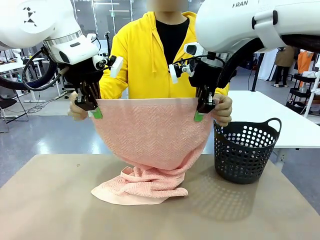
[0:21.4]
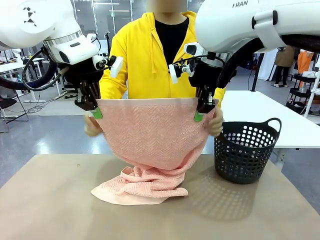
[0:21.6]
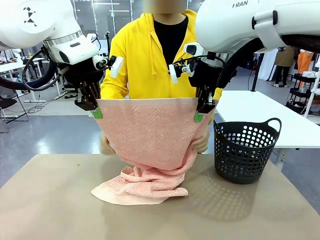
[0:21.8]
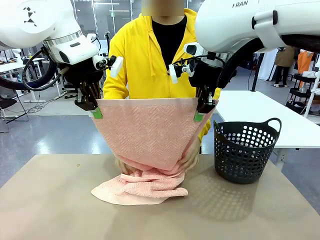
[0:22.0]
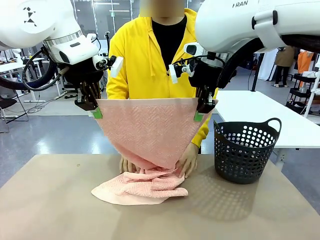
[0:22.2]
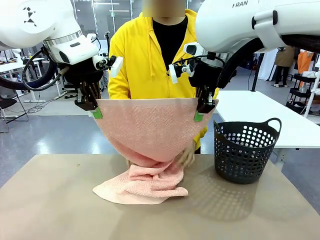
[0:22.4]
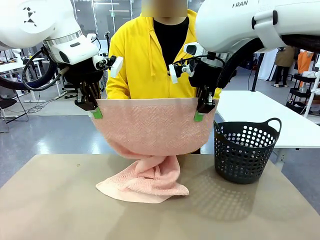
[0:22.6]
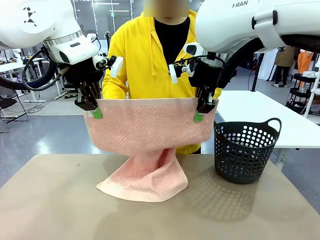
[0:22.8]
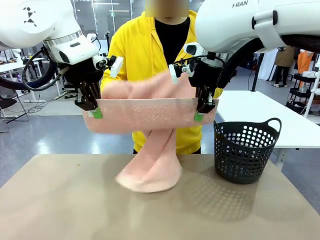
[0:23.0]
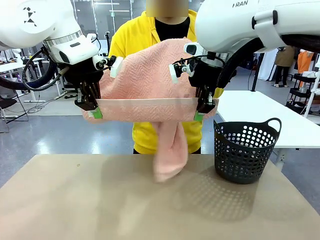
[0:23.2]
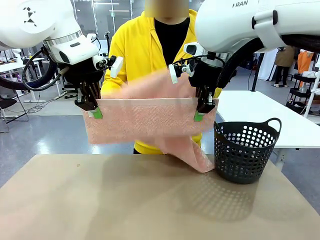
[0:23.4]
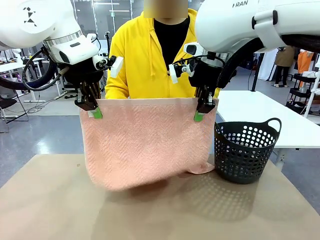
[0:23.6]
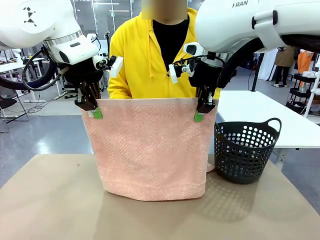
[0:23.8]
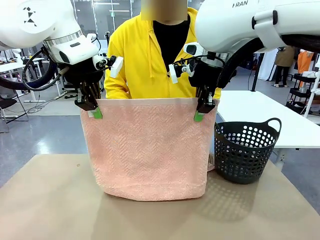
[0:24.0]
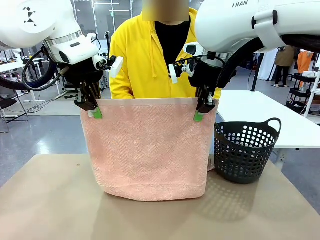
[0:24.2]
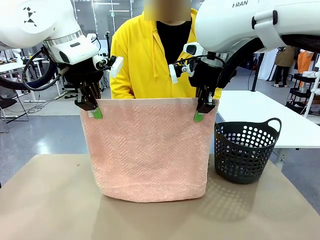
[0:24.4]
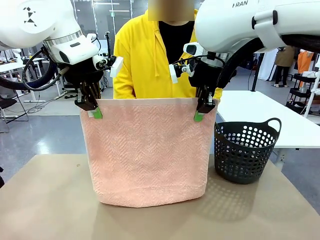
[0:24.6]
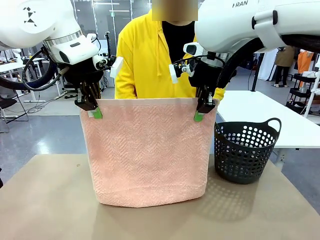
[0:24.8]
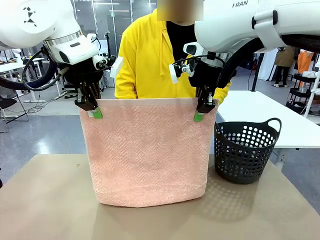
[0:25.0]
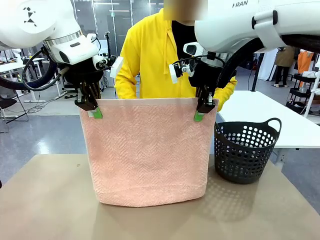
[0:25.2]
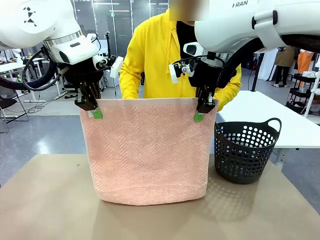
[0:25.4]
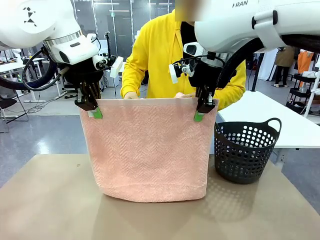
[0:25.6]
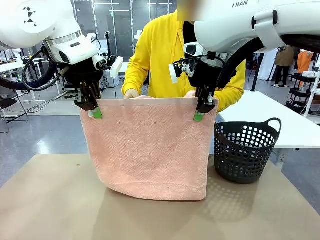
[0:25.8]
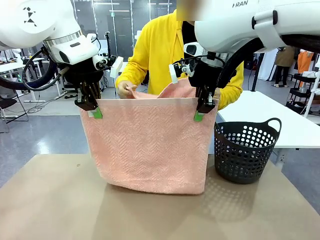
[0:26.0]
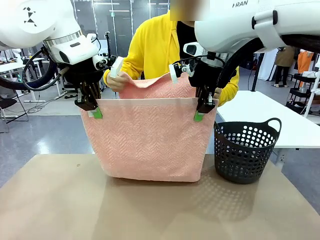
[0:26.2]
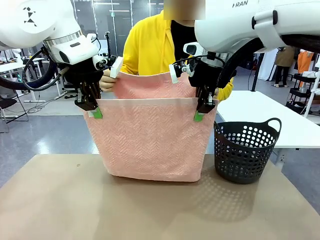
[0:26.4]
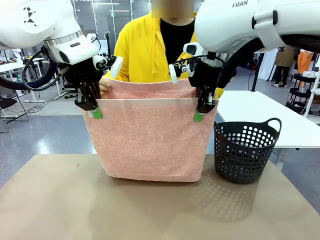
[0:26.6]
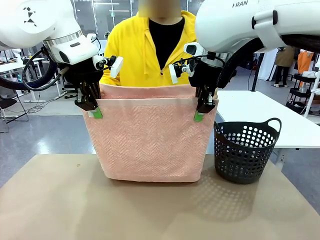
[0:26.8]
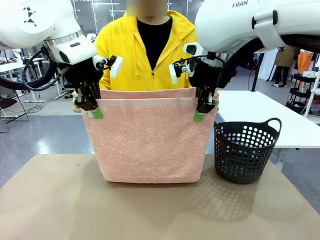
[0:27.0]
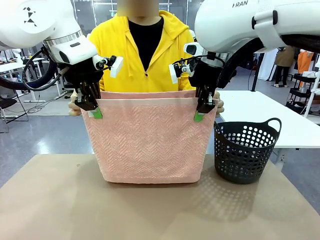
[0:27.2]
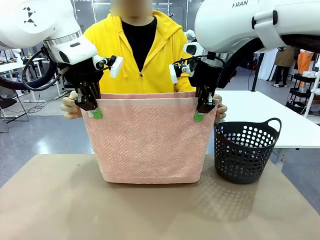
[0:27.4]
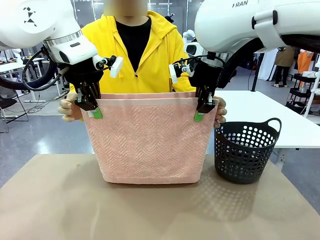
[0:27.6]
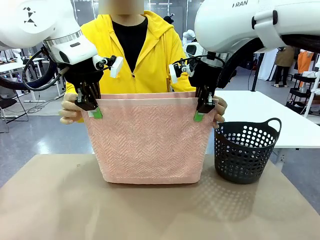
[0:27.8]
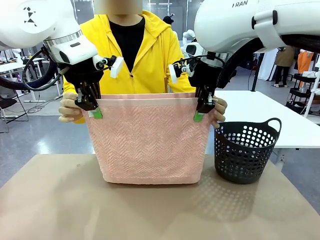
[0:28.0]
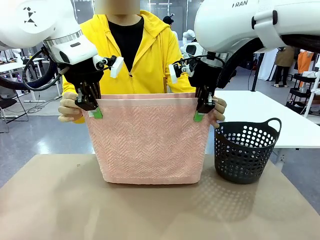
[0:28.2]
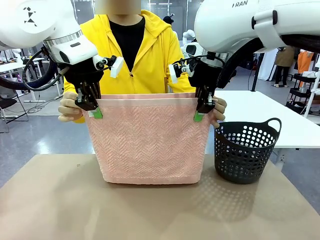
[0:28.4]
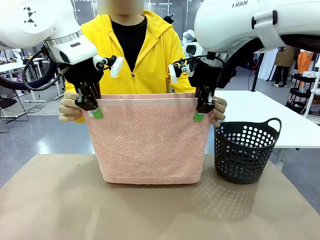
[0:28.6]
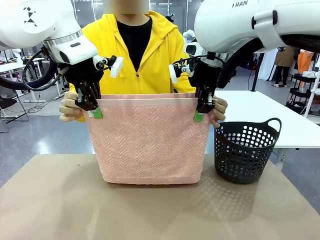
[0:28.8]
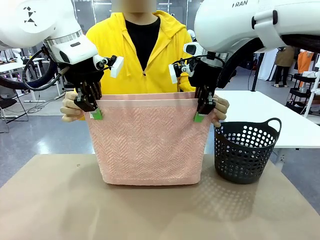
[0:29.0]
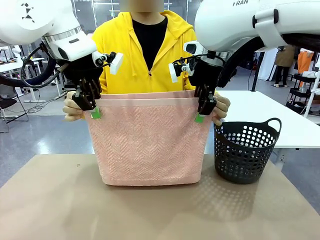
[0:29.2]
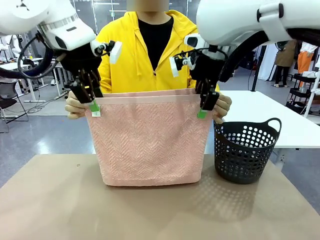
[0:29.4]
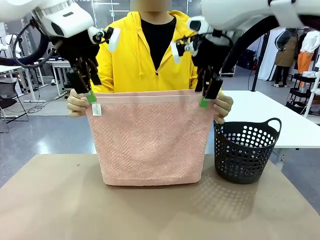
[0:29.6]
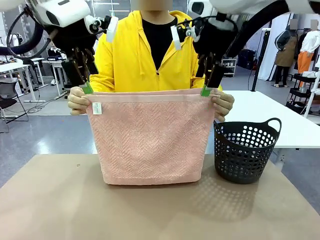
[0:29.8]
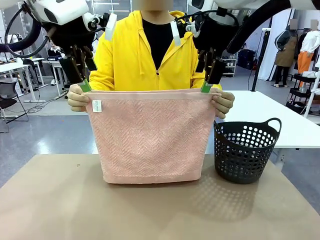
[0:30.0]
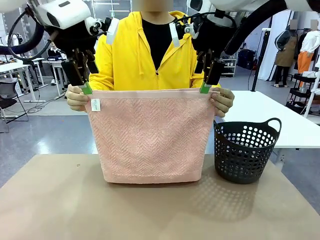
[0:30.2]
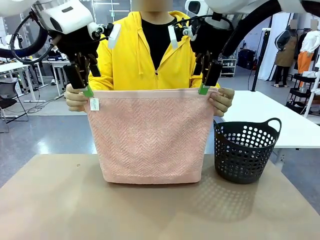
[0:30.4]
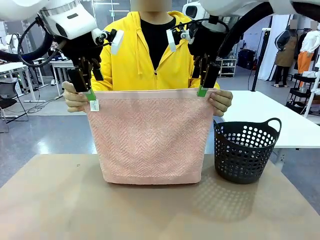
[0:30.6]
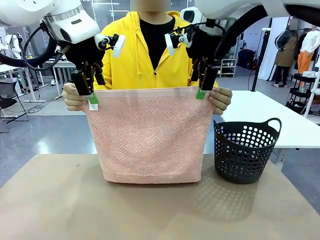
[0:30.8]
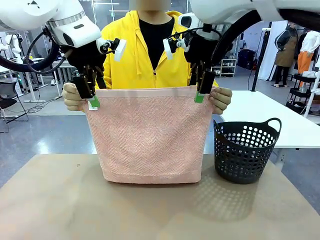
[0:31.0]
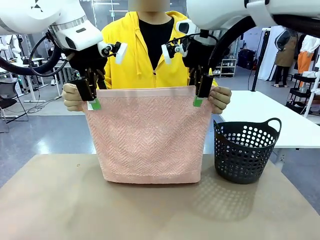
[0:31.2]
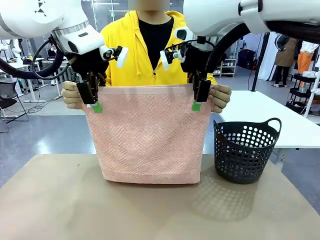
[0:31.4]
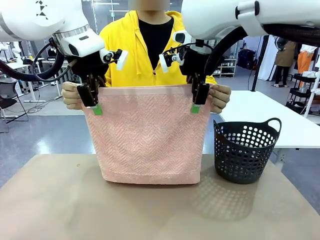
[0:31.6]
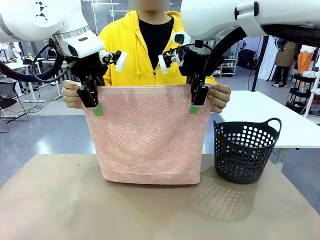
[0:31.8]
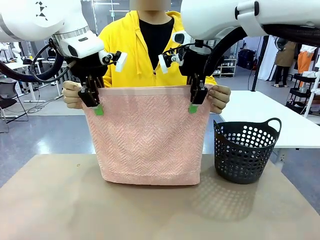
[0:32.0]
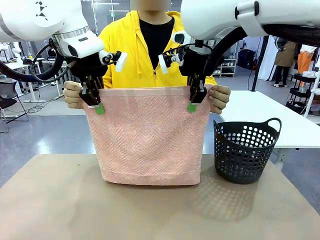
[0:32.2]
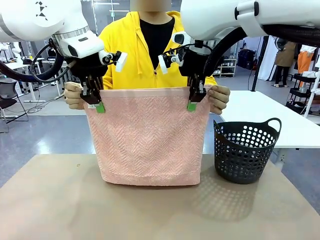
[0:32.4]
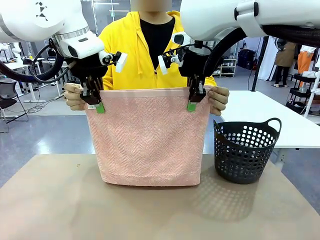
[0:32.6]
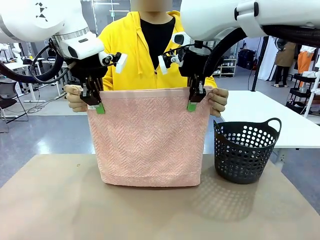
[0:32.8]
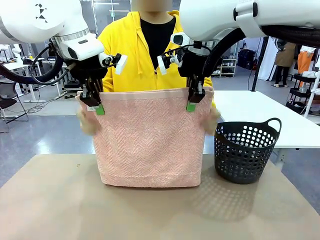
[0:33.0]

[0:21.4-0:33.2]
Task: Fold the towel.
Robot: Release the end of the 100 cm Hotel Towel you were holding and grab the top end of the folded side.
Person: Using the point held by the robot as a reference, grasp the opposite end, fold the towel in half, and then hold both ends of the folded towel.

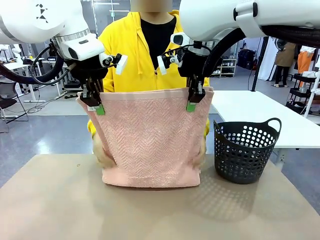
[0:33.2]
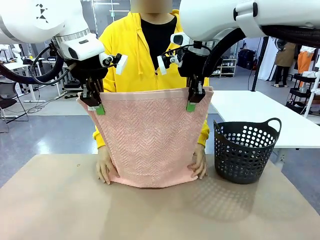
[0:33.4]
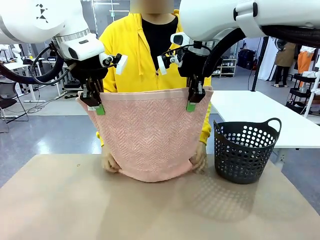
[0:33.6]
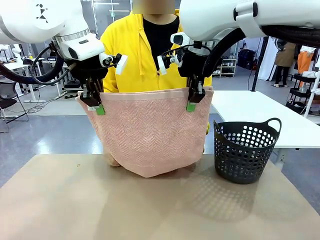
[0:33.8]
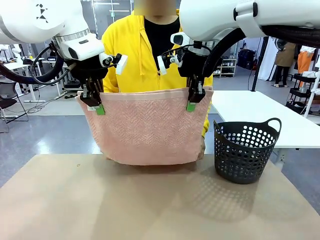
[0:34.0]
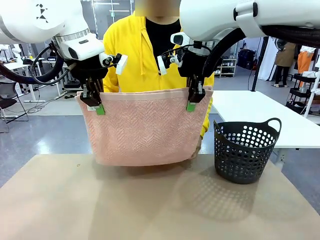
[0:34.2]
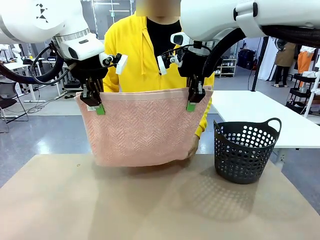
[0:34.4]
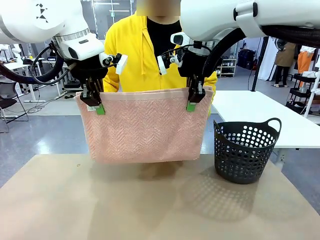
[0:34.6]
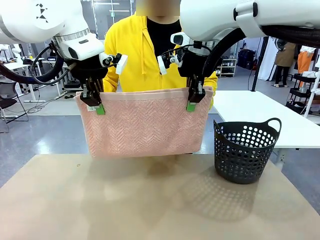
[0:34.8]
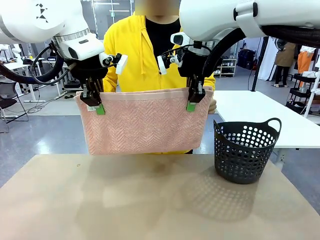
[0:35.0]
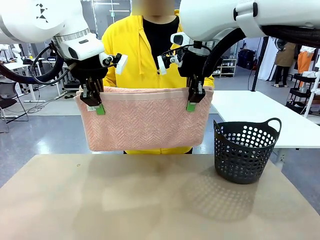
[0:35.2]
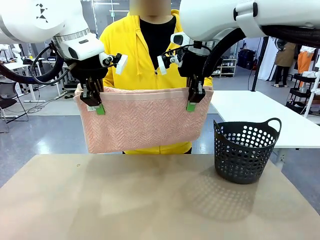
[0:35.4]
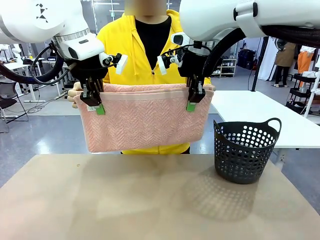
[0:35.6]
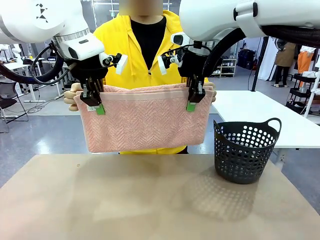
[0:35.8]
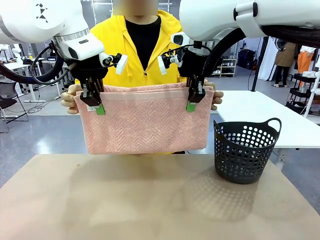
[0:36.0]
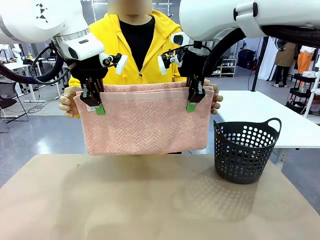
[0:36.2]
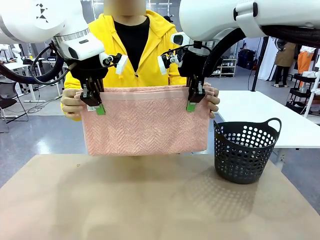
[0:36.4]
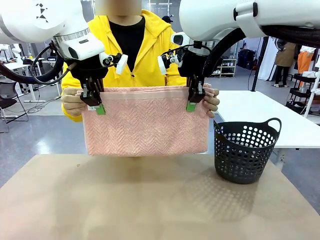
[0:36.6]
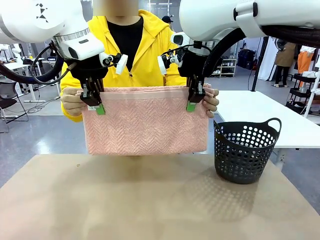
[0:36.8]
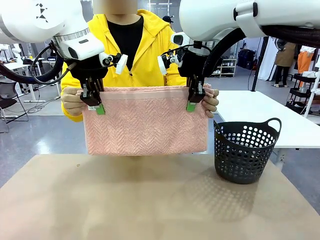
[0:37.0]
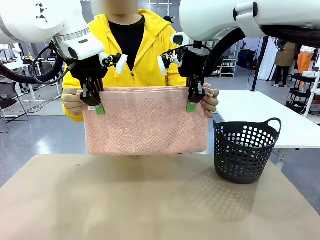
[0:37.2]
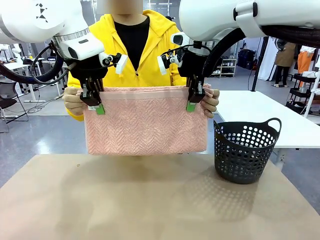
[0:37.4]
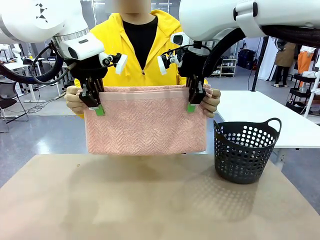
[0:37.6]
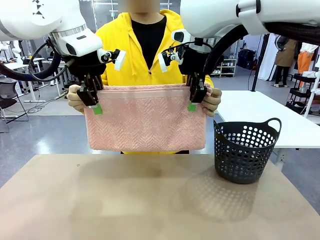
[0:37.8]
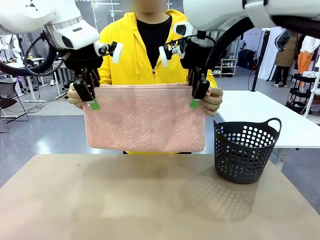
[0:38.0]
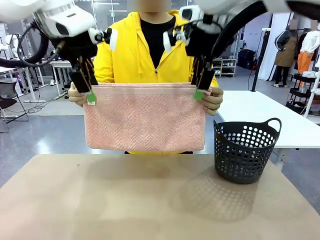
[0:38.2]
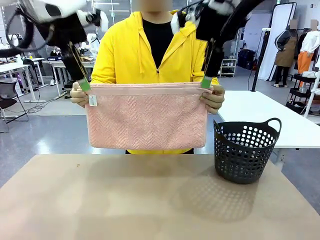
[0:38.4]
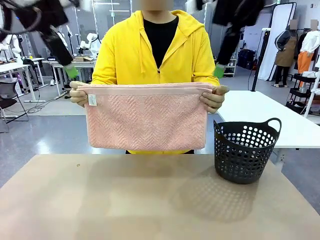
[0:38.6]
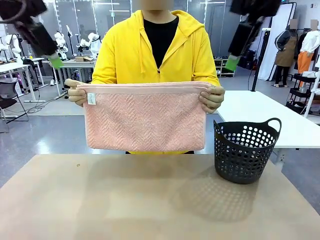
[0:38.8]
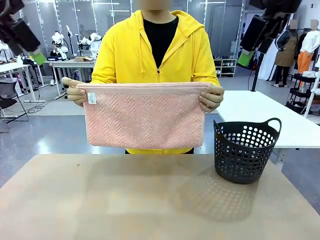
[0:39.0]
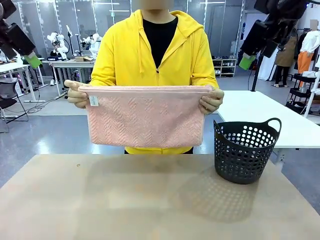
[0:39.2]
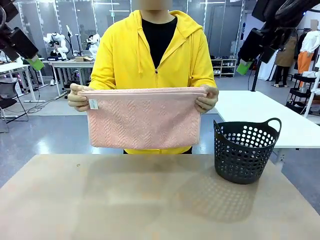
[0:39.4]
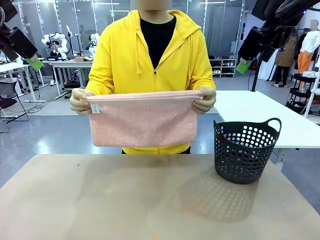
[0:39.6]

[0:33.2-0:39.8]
Robot: Release the end of the 100 cm Hotel Towel you were holding.

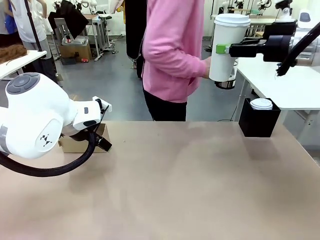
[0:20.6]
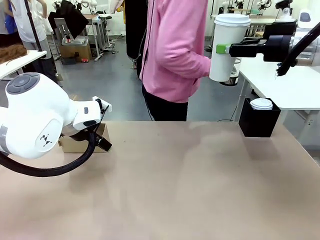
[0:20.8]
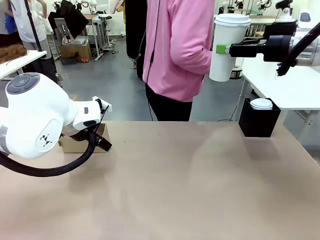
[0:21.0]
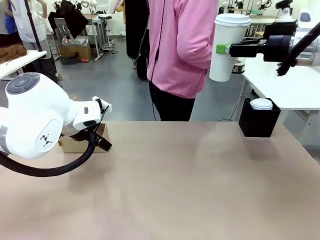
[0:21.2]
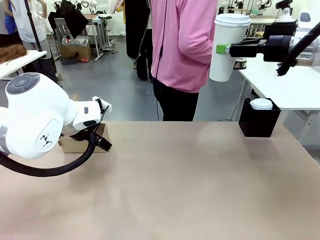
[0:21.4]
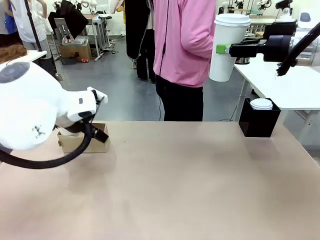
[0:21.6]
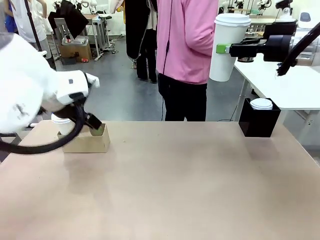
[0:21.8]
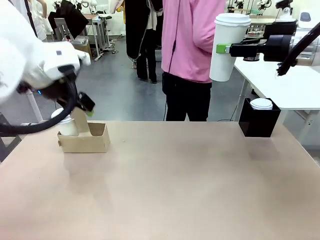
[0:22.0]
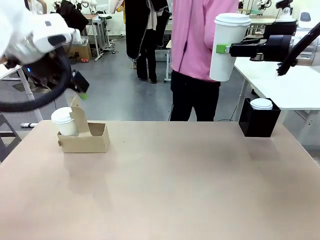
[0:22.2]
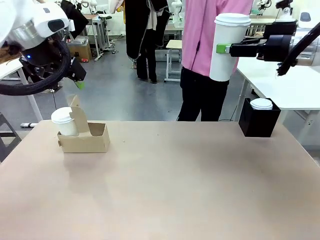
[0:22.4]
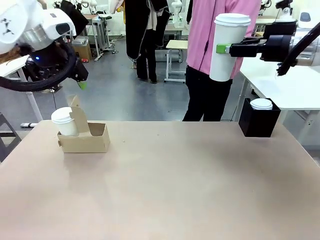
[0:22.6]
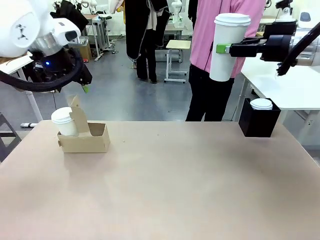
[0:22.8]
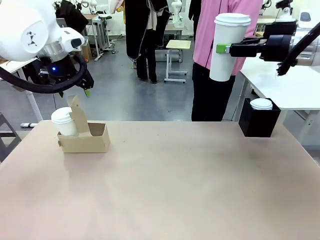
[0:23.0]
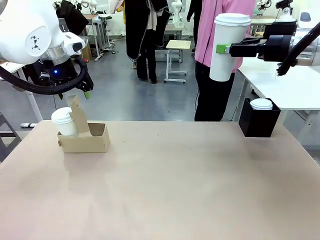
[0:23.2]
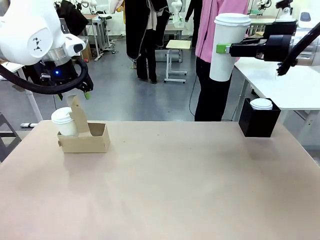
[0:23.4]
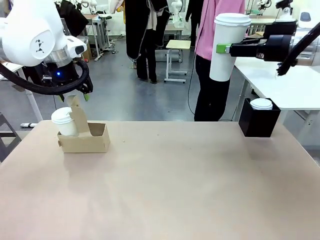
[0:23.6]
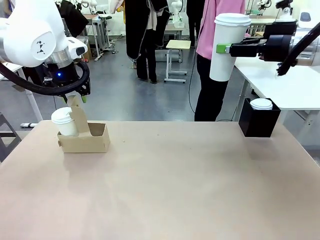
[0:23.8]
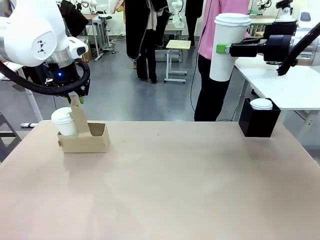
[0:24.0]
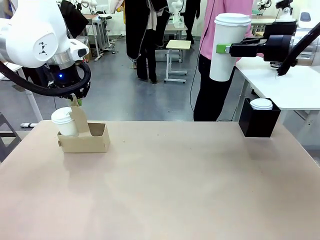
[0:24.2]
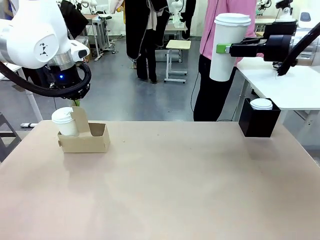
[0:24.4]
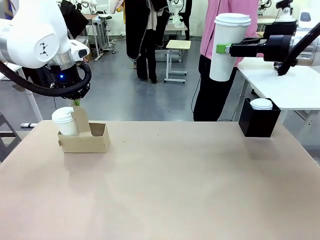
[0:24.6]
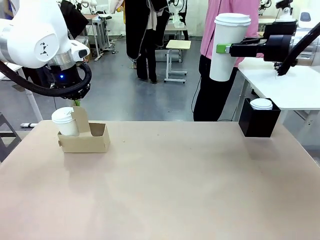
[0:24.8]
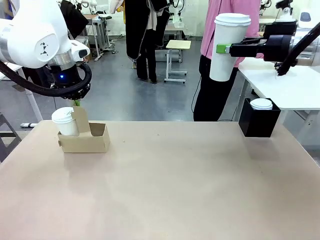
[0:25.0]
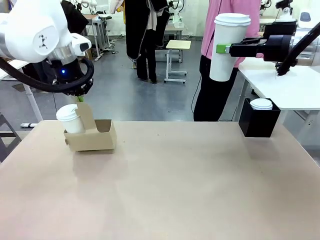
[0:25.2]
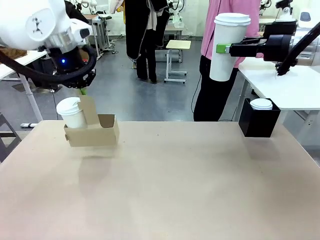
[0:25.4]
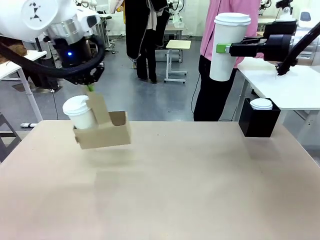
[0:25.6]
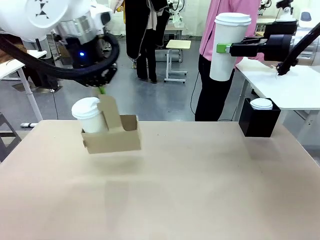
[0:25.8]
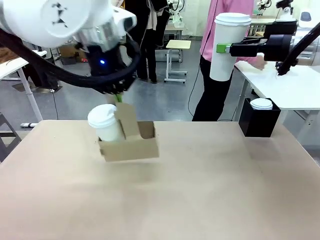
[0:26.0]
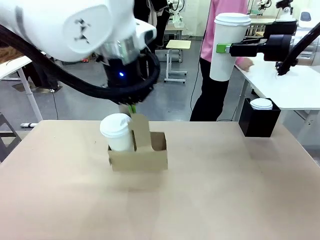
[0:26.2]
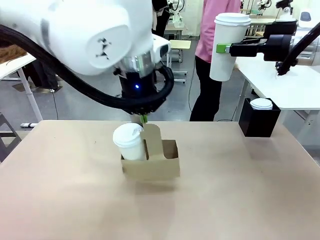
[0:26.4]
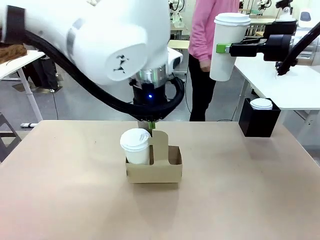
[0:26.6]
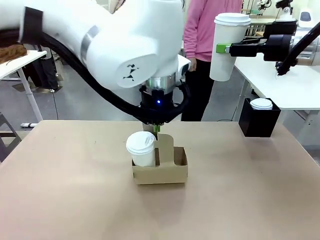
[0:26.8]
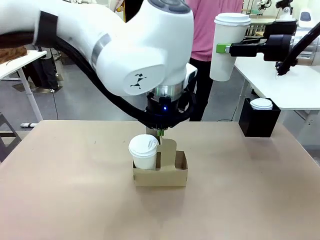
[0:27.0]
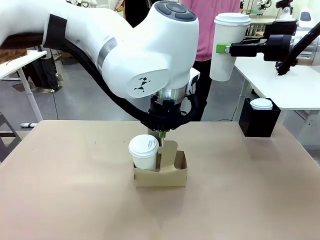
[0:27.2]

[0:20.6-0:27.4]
Task: Pour a drink into a cup and package it in a carrier.
Robot: Position the Cup Carrier in the center of the table.
